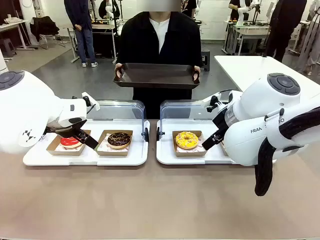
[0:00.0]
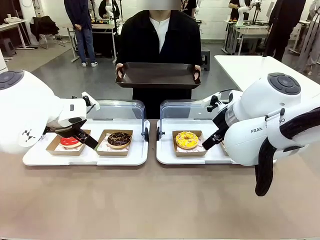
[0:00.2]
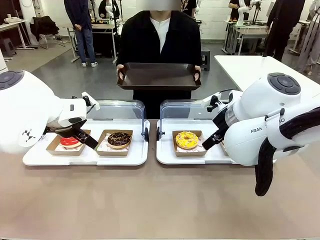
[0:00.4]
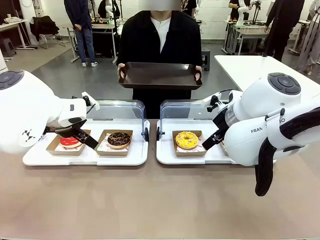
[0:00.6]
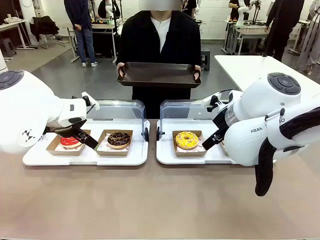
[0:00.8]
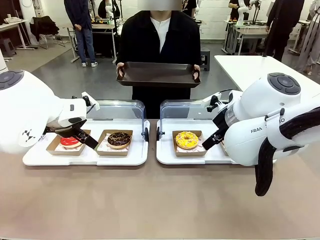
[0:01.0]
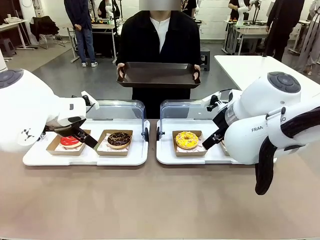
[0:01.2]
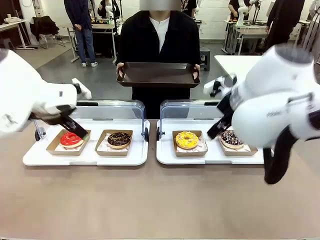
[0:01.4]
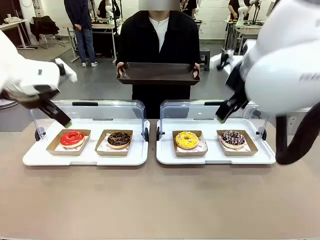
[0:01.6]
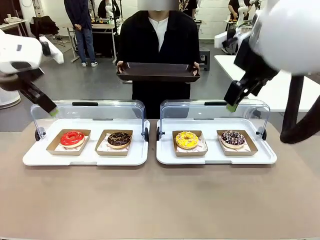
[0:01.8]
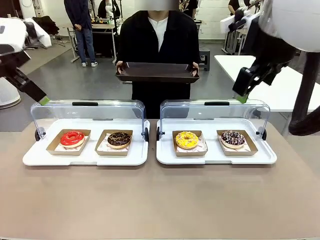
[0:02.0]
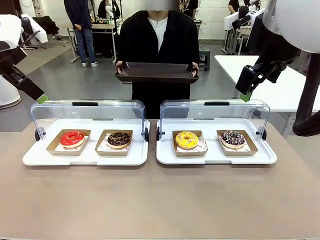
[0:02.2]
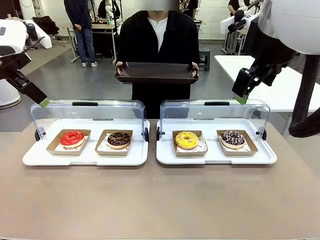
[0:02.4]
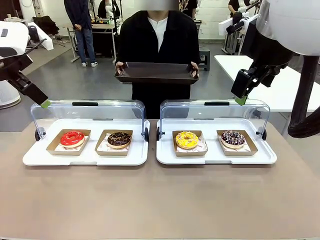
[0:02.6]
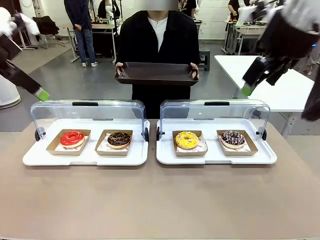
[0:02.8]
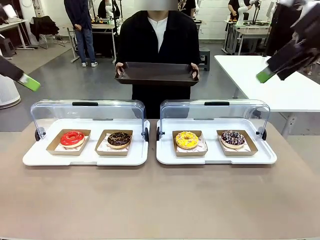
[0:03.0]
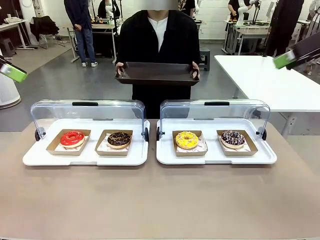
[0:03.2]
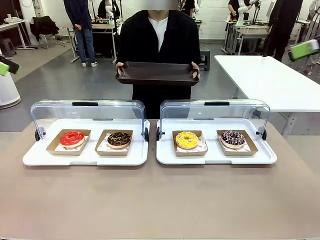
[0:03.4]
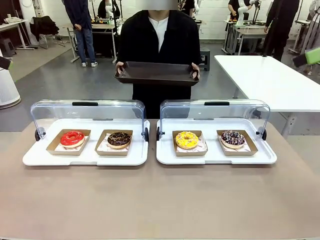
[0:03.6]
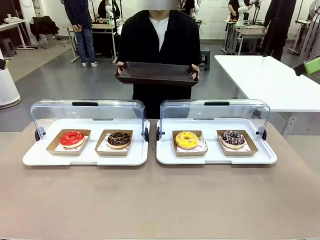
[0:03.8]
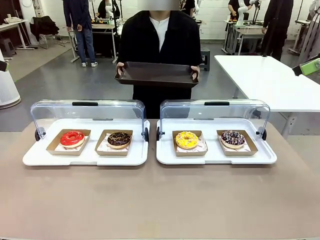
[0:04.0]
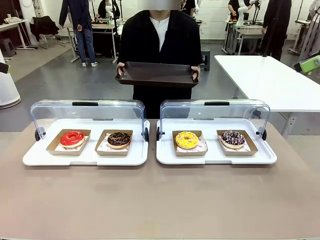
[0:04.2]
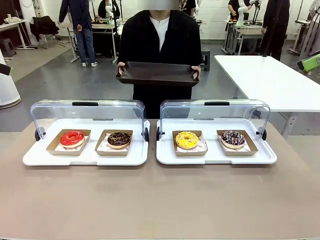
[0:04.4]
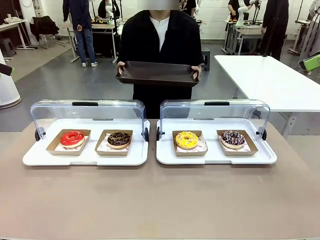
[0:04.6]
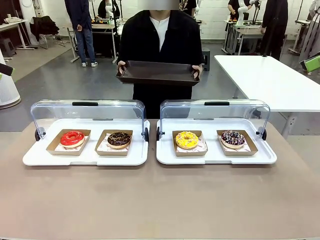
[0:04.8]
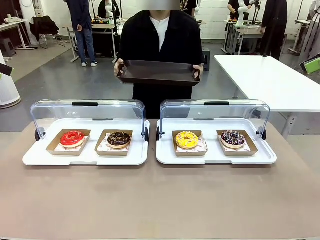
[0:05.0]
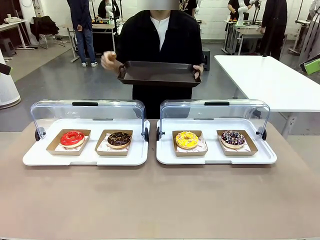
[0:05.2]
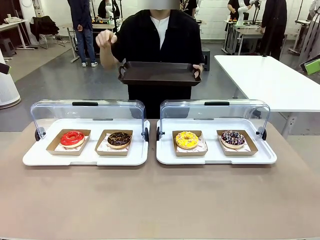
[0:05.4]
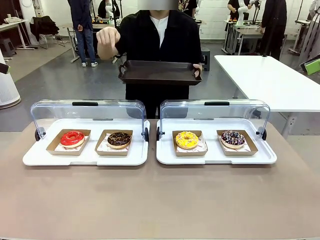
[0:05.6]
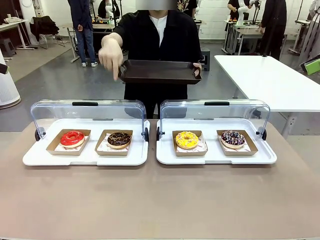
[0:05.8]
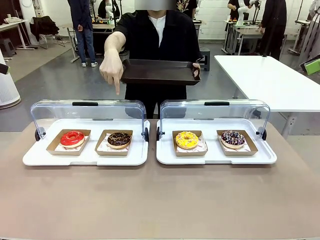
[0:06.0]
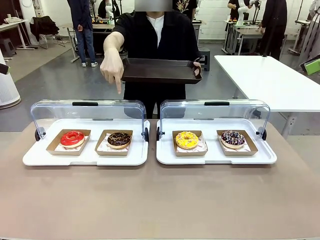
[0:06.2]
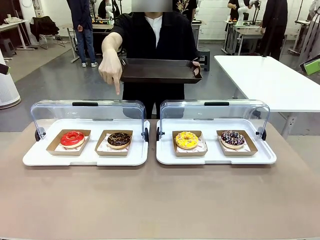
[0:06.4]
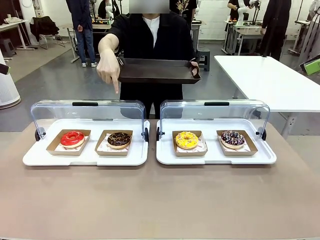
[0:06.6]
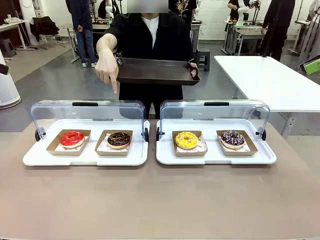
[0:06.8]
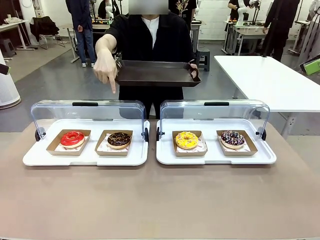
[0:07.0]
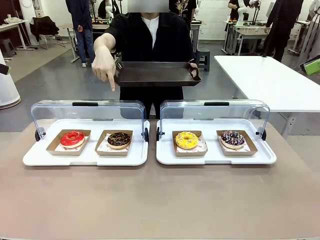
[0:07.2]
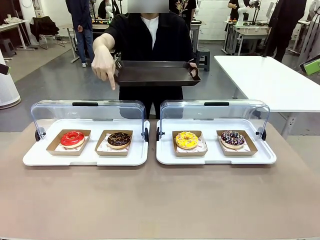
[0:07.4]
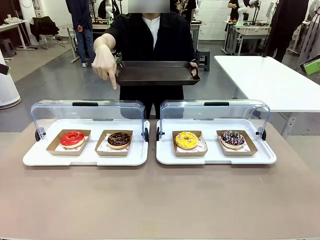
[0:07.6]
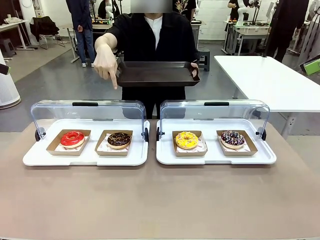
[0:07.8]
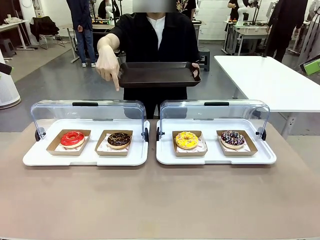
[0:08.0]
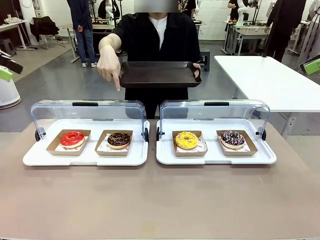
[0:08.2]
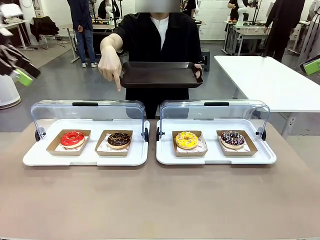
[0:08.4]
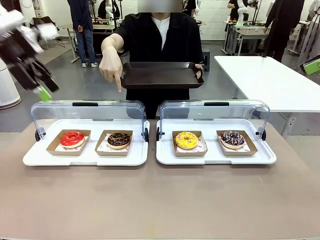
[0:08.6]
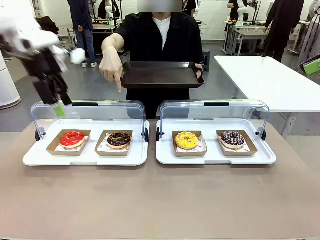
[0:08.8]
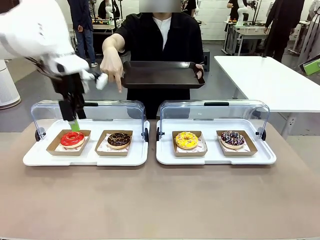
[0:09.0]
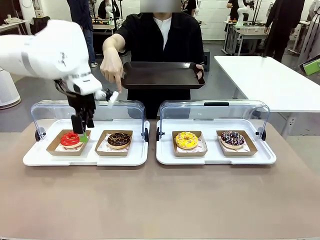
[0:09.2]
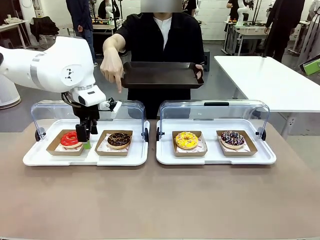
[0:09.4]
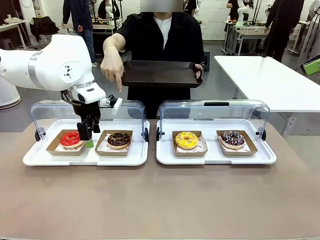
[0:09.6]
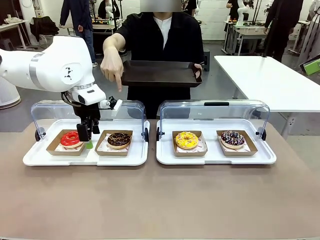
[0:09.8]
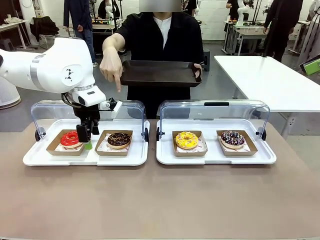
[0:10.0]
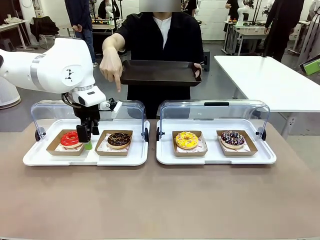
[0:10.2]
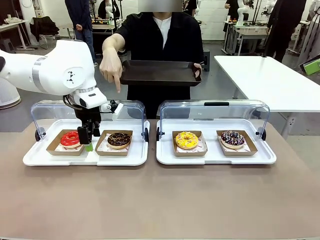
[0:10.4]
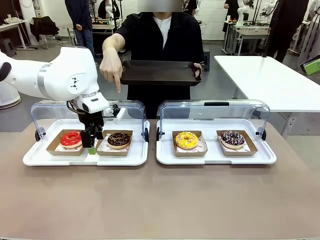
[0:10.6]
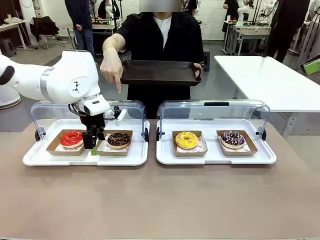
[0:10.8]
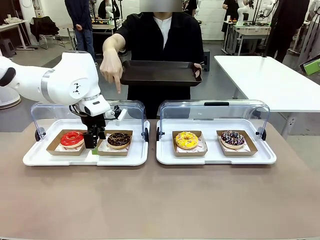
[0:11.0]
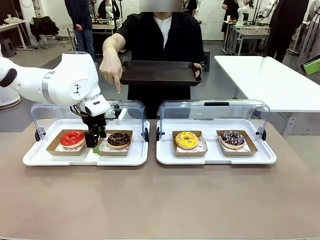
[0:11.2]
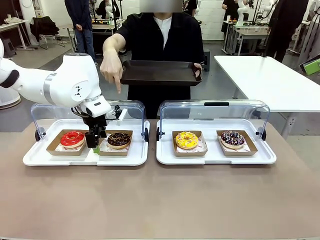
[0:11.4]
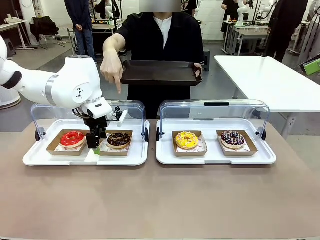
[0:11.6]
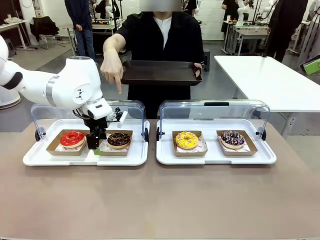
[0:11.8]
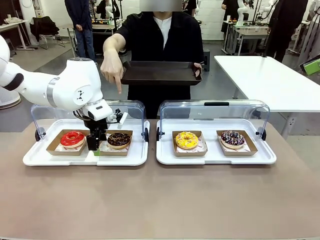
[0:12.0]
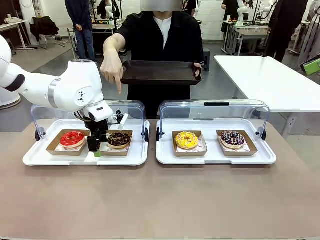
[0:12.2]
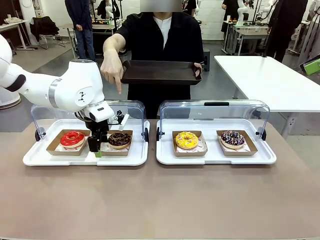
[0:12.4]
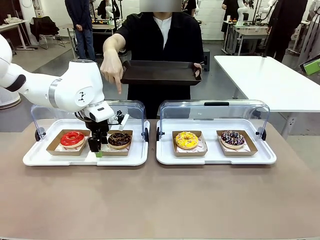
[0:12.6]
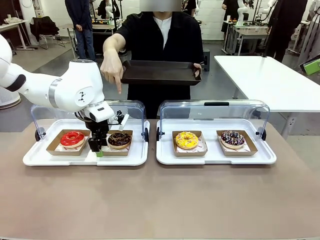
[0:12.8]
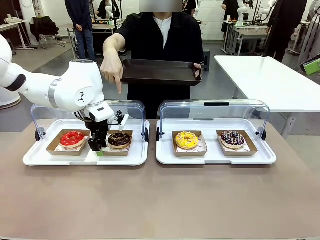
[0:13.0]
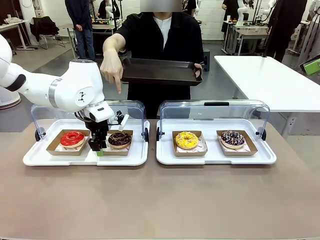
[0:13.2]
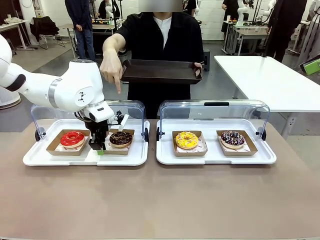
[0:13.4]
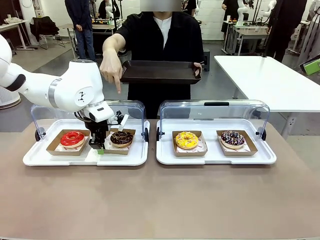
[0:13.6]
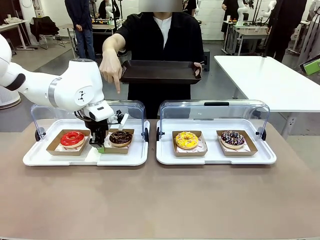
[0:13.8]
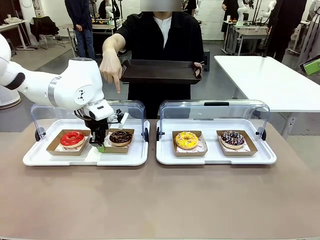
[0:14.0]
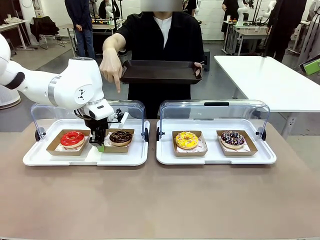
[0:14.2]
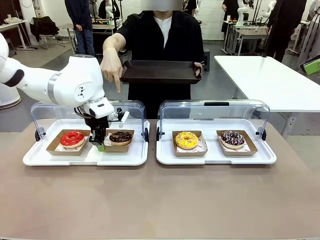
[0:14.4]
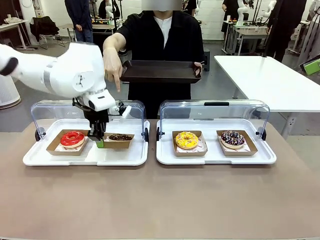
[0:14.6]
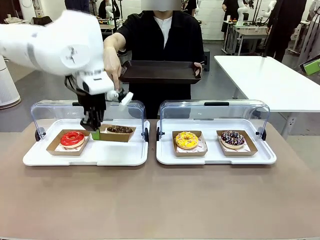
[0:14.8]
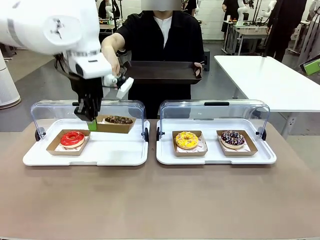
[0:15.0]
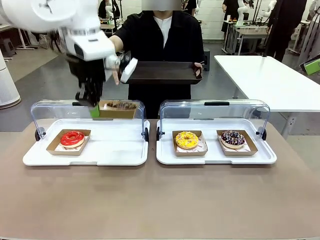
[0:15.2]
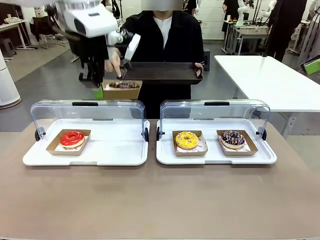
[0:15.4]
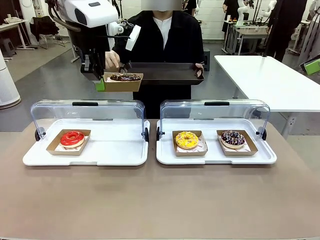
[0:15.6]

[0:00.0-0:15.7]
Task: Provide the desired donut to the person.
Robot: Pick up and lift the Paper togo box containing the Donut pointed at by the person.
Person: Point to one donut. Lift the tray onto the Roll-Top Bakery Case.

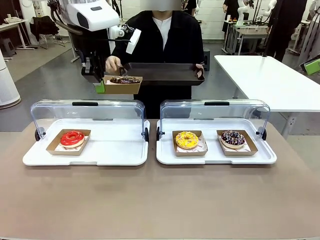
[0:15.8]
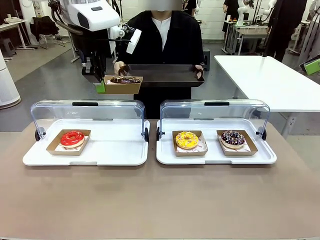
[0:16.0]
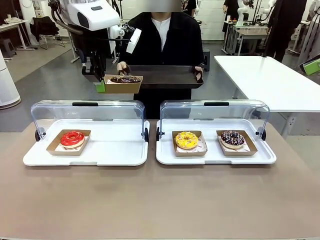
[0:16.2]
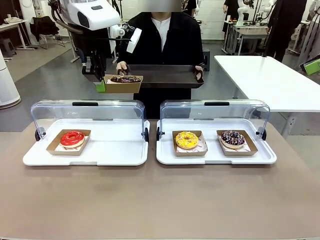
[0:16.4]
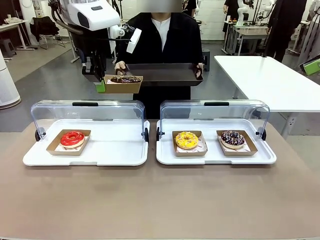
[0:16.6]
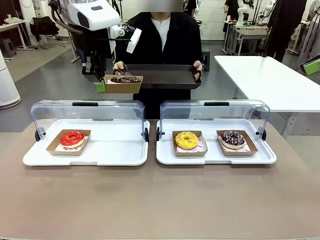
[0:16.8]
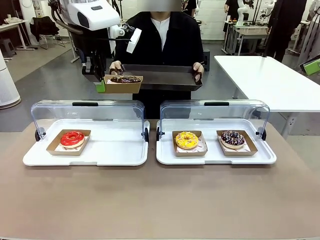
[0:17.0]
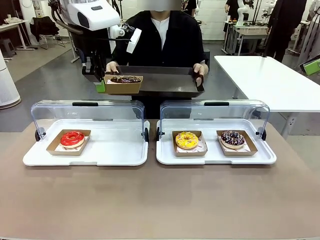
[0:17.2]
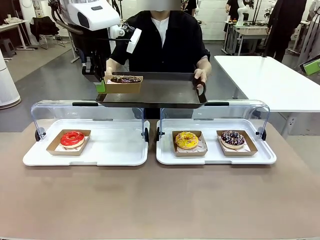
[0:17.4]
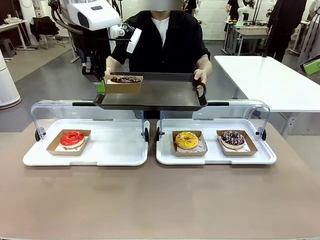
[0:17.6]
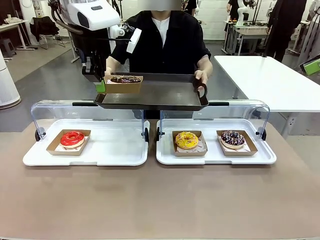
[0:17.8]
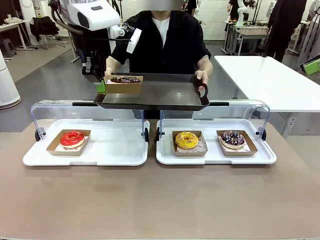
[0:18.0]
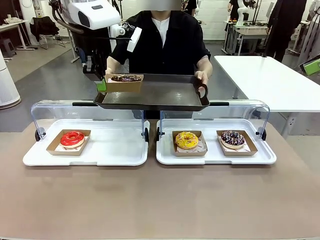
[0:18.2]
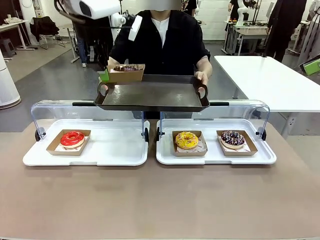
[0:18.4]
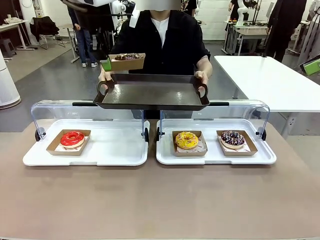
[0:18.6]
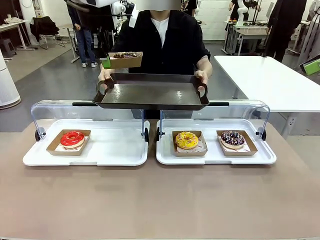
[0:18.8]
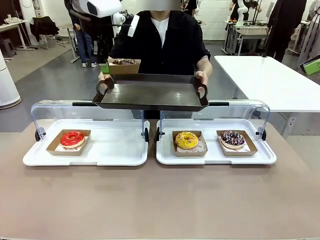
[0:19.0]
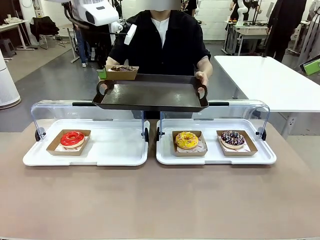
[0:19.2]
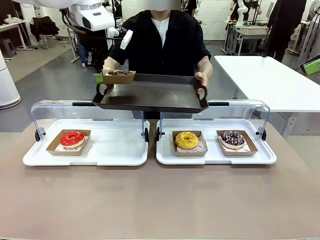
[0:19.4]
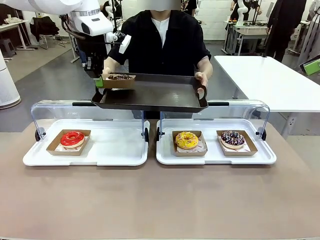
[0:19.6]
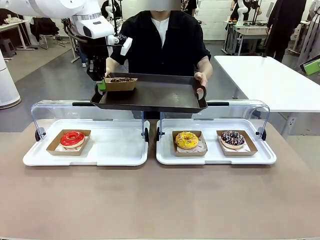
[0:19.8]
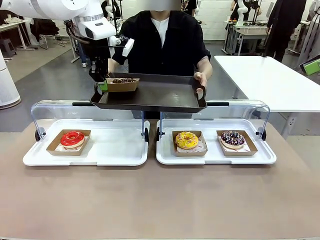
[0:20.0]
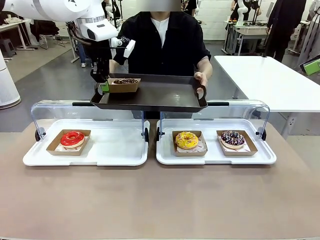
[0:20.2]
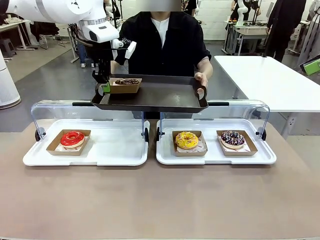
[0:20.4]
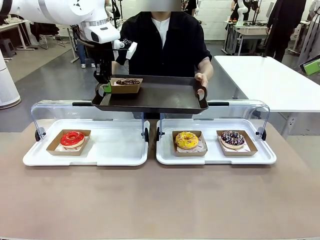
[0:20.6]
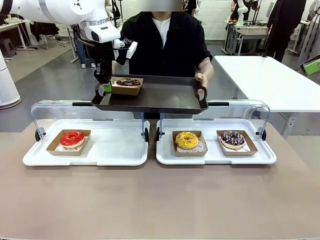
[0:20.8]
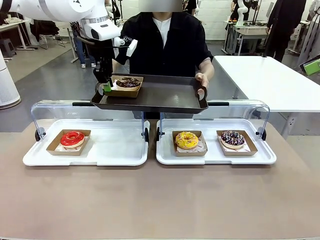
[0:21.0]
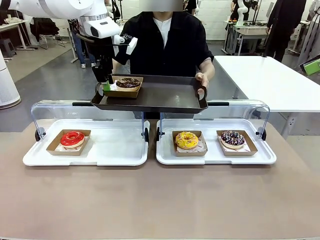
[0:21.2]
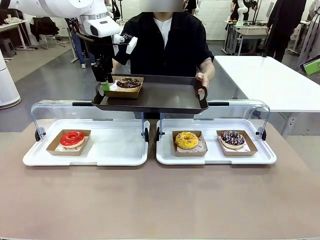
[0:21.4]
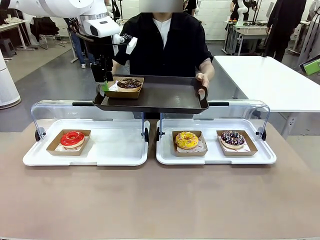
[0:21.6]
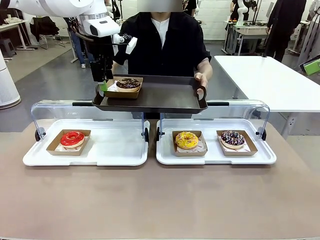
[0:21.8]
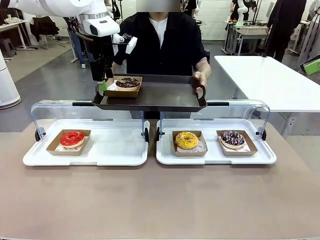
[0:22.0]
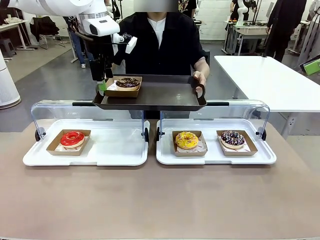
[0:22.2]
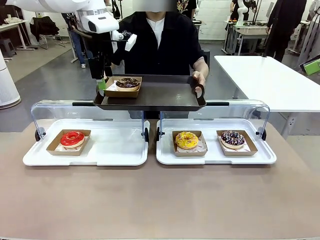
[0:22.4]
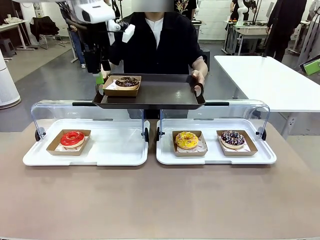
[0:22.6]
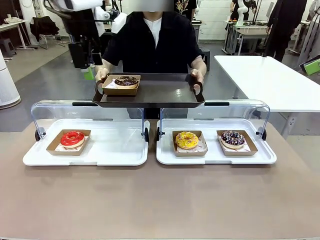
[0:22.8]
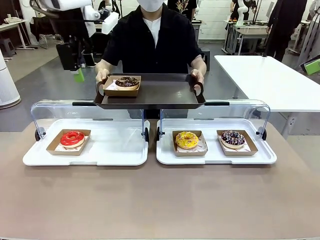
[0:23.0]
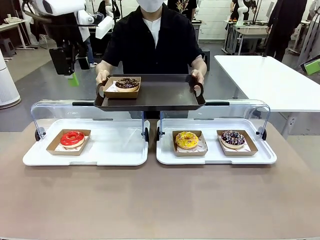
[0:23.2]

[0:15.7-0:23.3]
Robot: Place the picked Paper togo box onto the Handle tray extended by the person.
